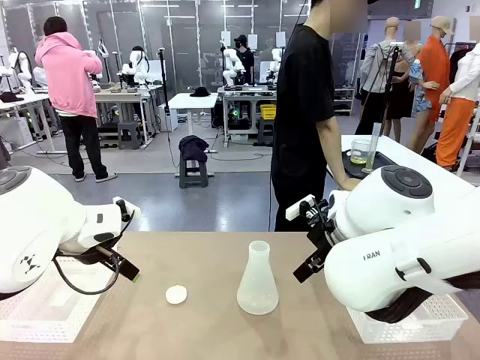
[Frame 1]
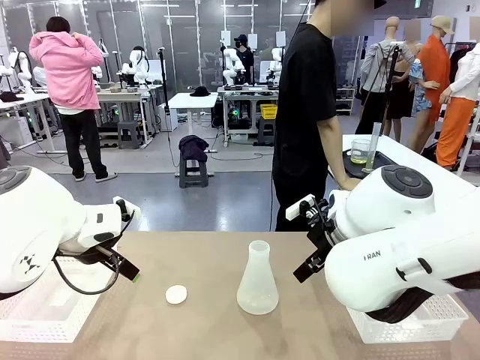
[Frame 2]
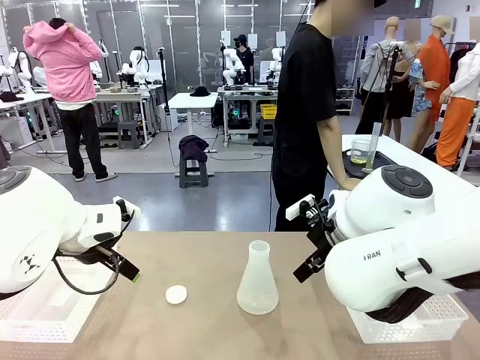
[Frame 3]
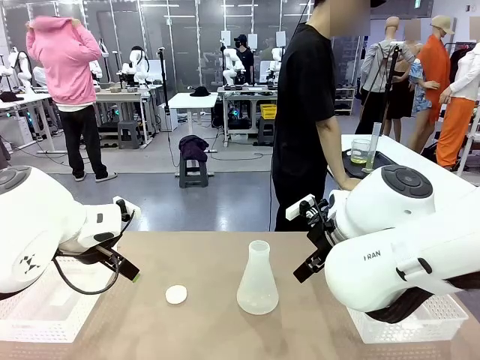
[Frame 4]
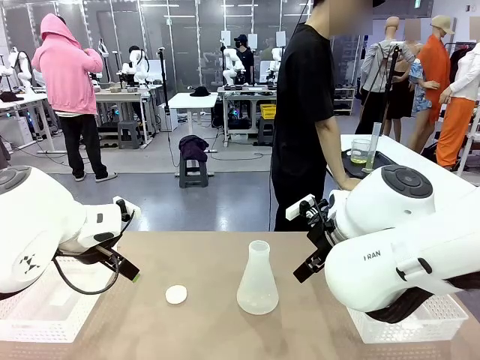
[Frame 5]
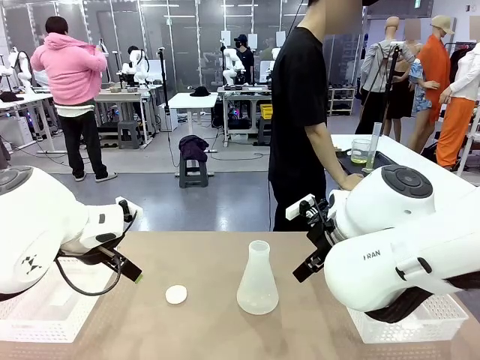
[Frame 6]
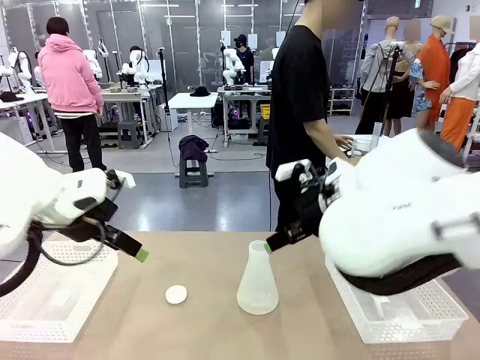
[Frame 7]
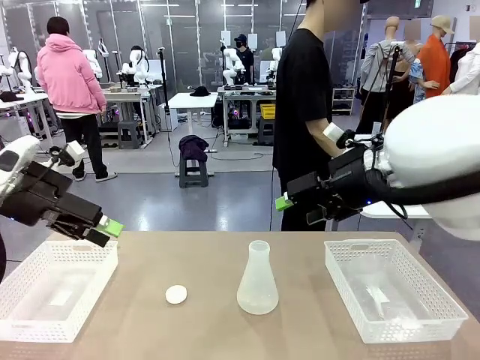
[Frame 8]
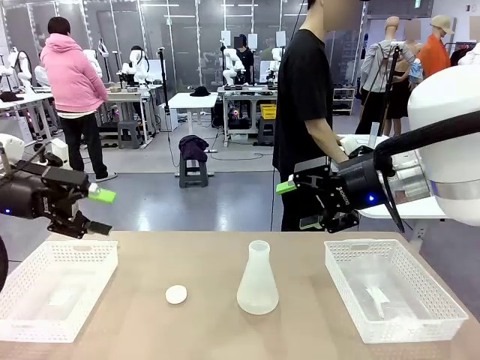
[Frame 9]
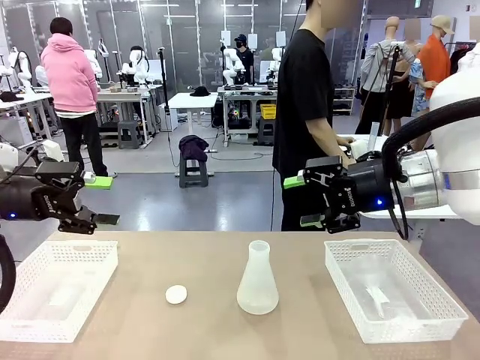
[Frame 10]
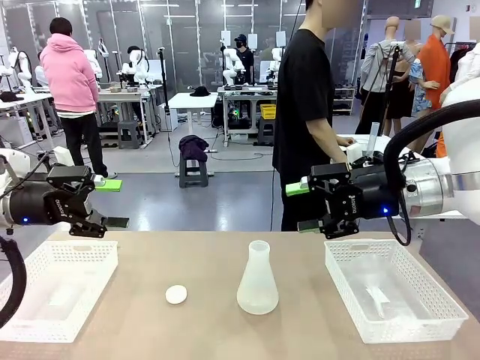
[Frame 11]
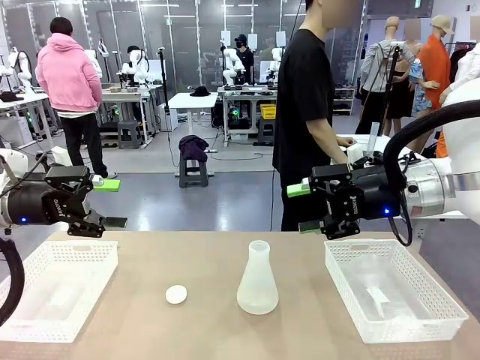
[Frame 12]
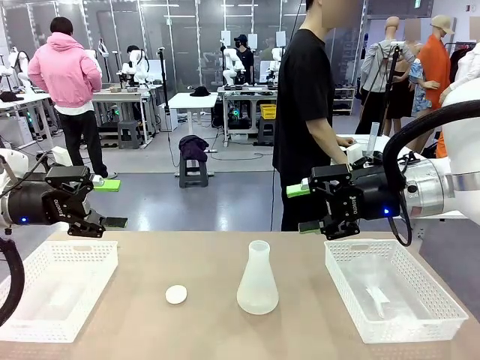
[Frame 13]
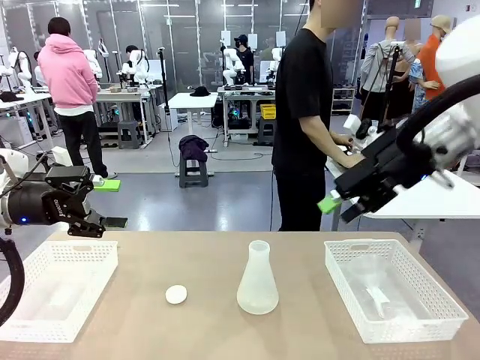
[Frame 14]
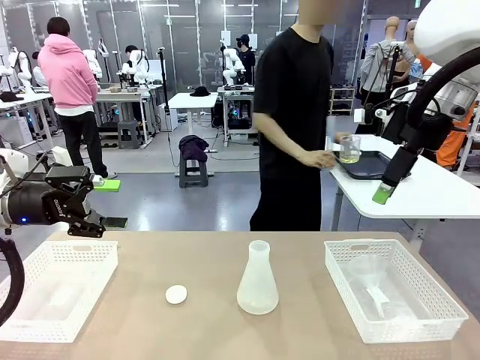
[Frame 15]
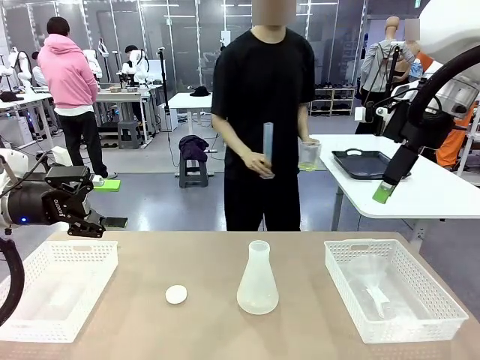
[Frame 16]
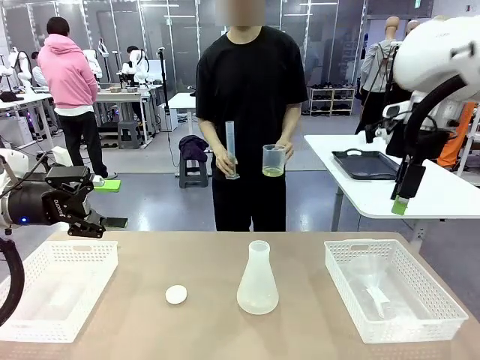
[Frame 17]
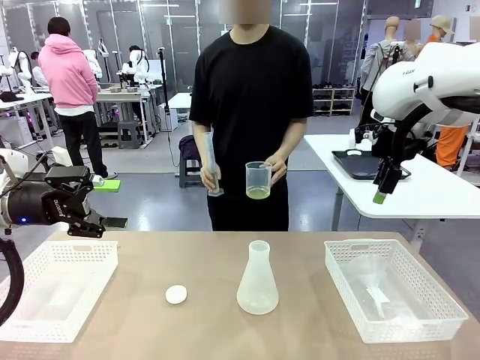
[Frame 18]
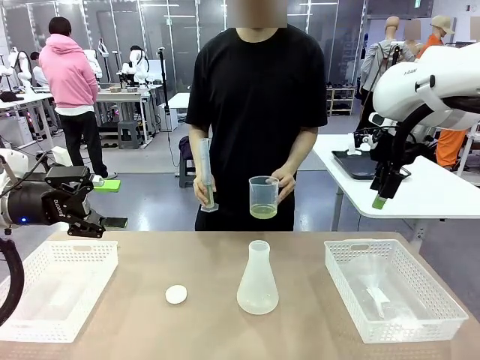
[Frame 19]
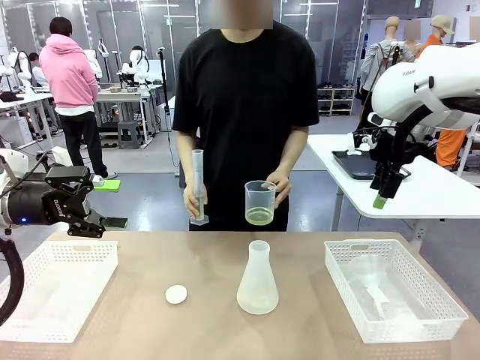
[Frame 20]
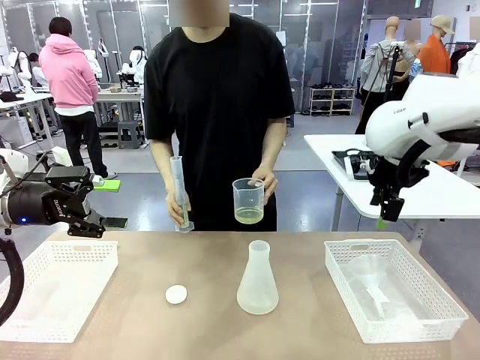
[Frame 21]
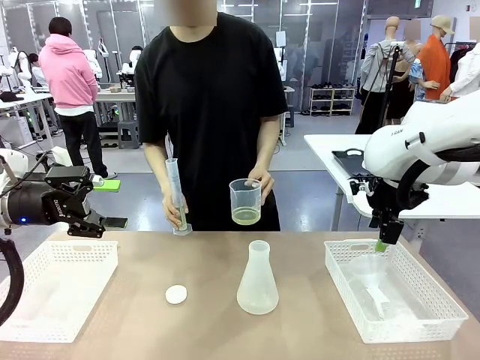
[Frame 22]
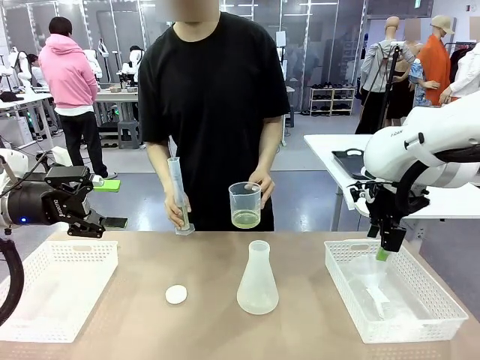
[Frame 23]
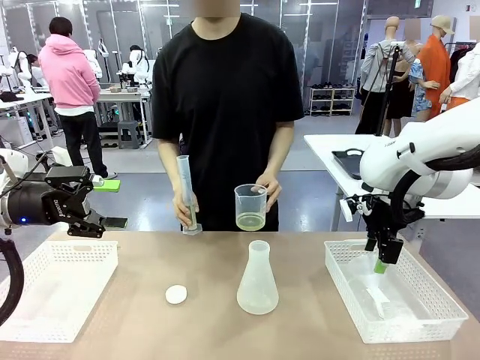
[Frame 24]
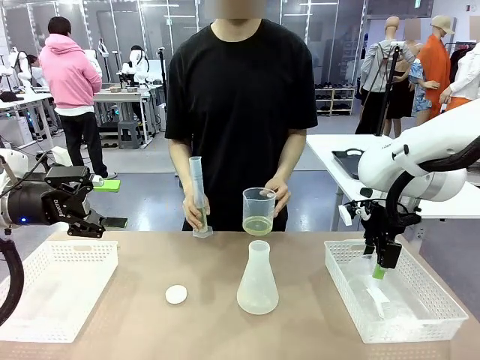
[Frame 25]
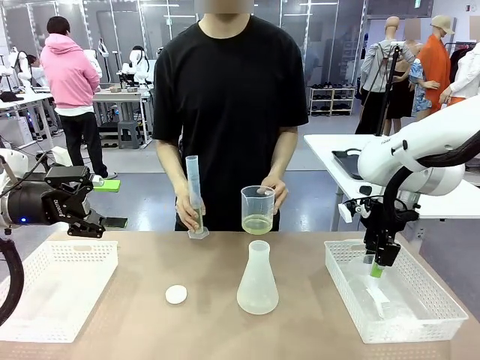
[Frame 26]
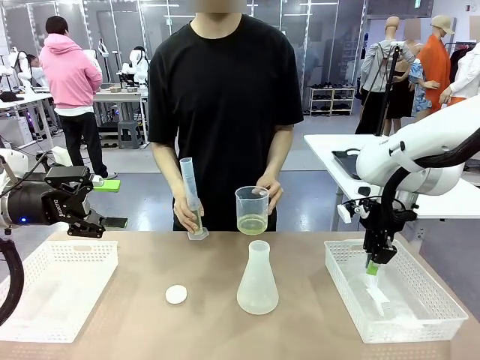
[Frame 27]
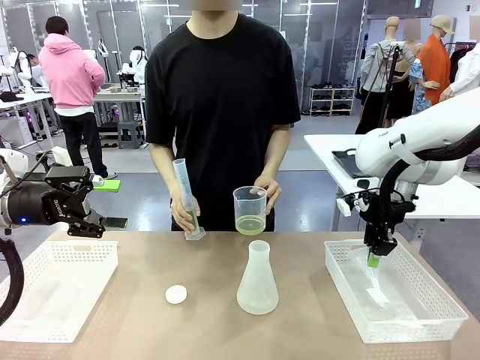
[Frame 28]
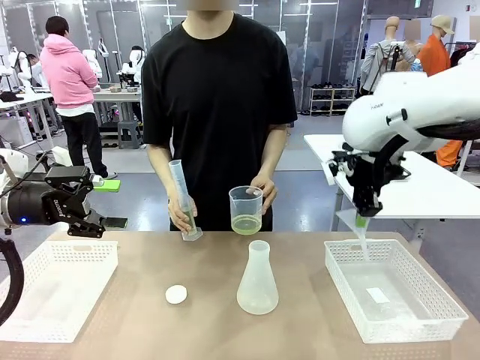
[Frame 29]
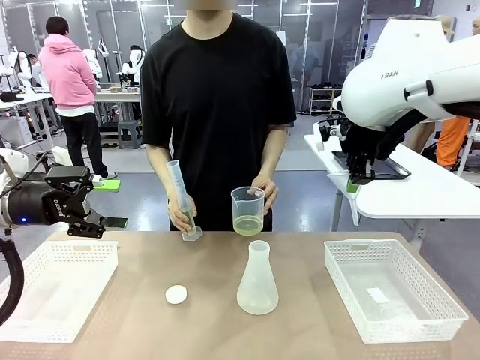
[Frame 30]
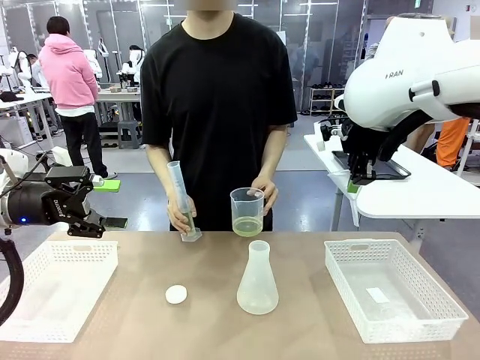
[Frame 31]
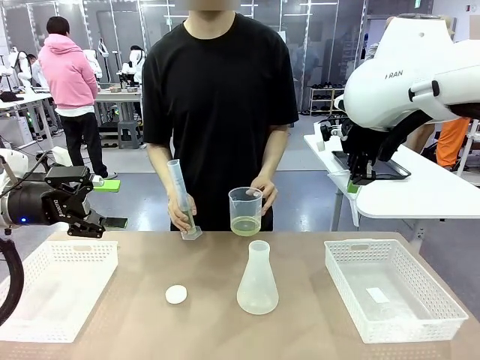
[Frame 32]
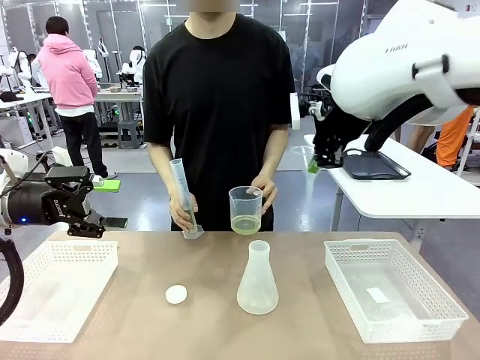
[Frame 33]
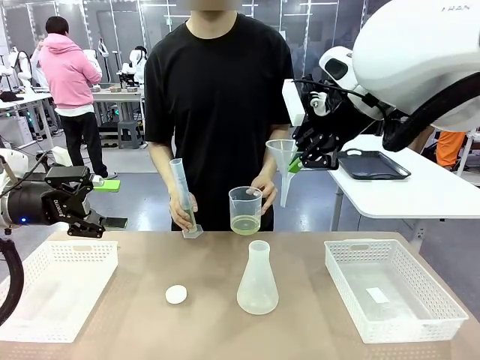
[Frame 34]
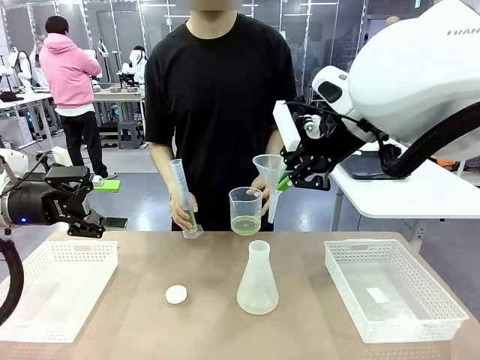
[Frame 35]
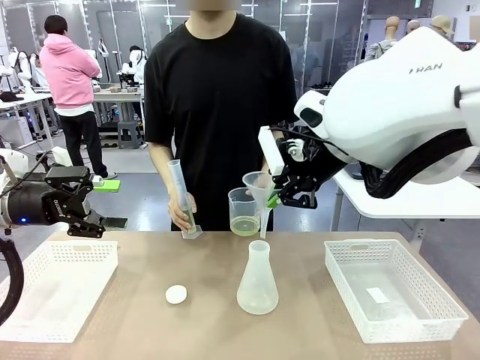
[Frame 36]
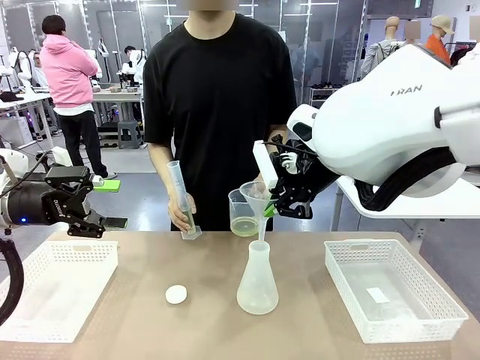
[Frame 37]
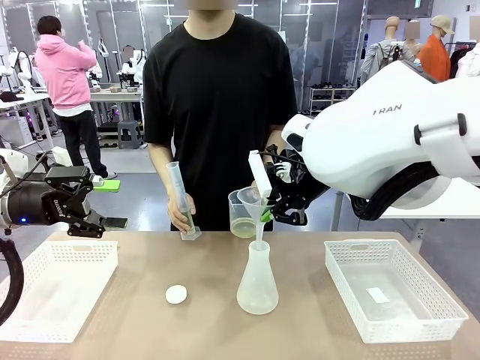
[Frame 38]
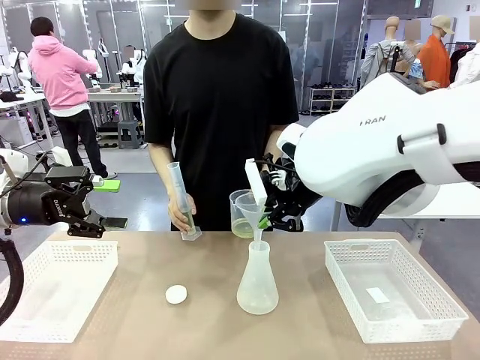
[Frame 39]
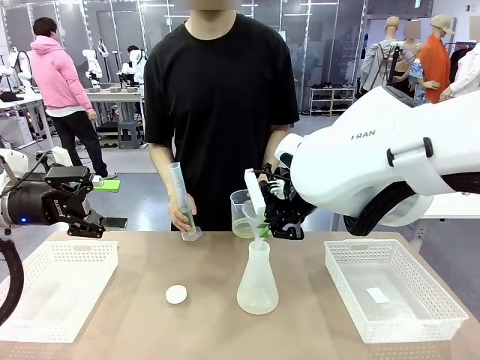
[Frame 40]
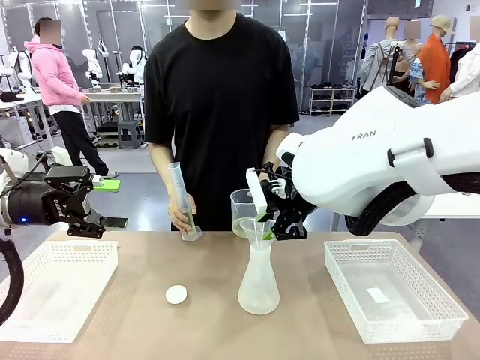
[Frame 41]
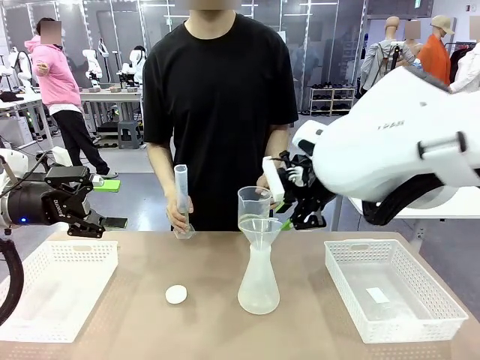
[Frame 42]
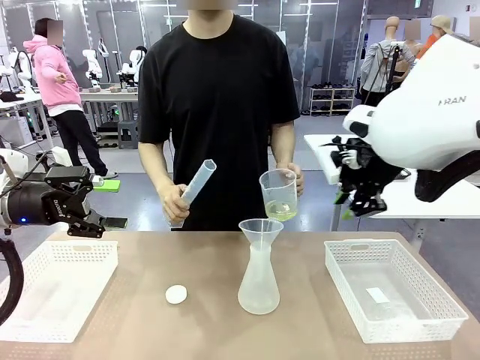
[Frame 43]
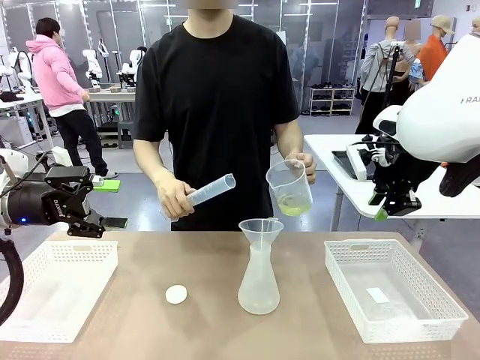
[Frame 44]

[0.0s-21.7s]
Task: Prepare the solutions needed for the experiment.
Robot: Pick up the Plastic Funnel and insert it into the Big flask.
Person: Pick up the beaker and the cylinder and move to the middle of the robot table. Pour the solution from the beaker and the cylinder into the flask.

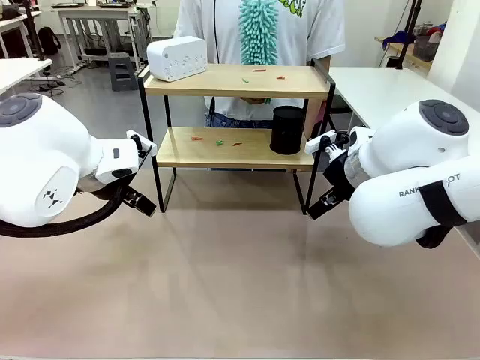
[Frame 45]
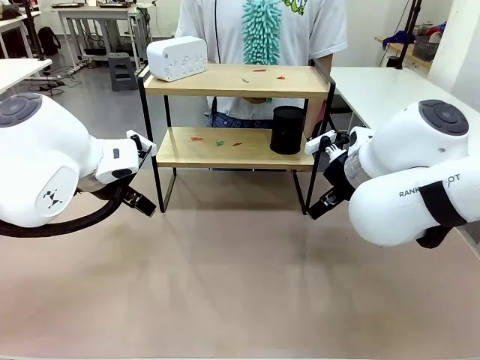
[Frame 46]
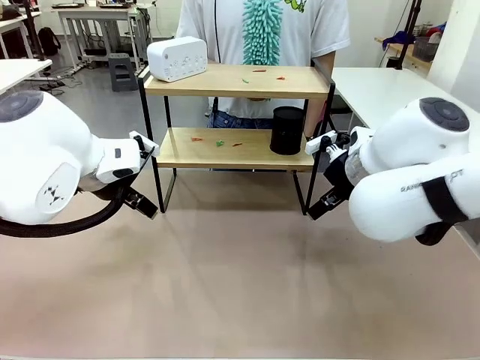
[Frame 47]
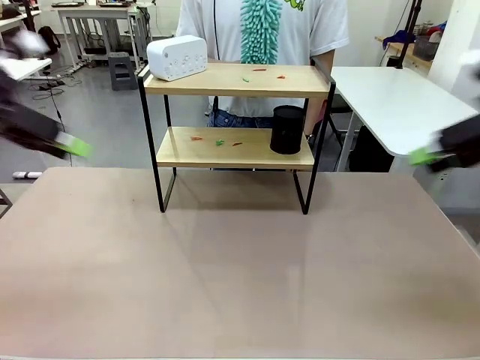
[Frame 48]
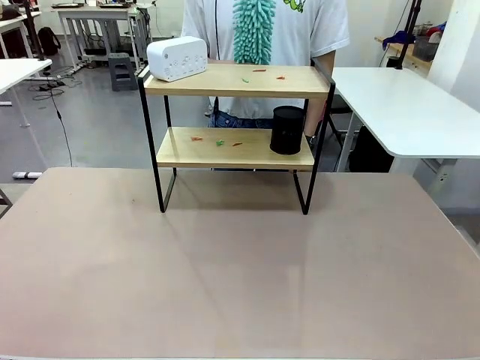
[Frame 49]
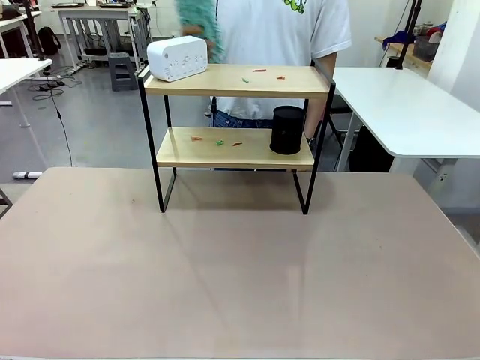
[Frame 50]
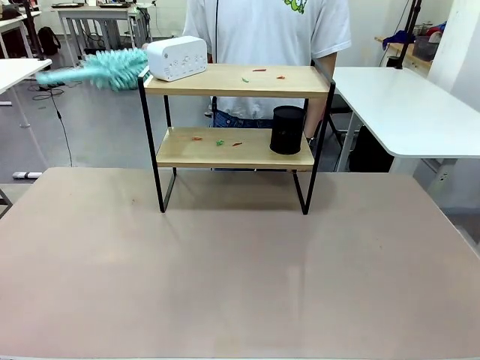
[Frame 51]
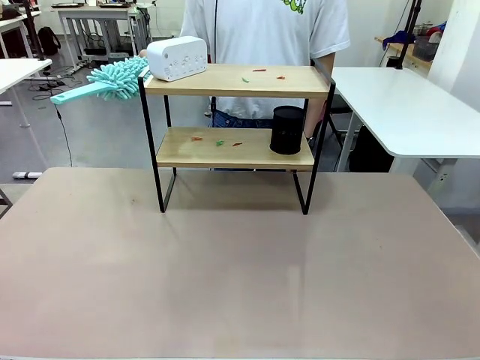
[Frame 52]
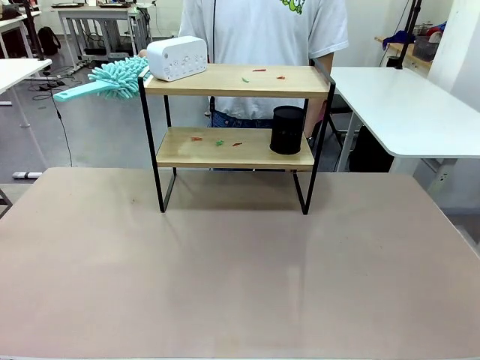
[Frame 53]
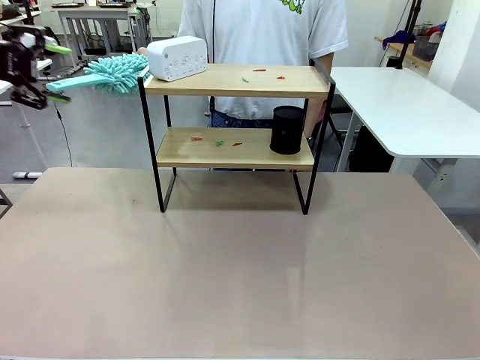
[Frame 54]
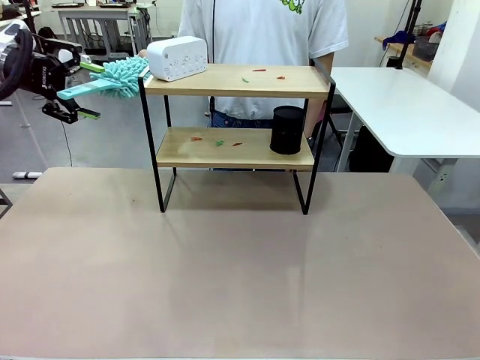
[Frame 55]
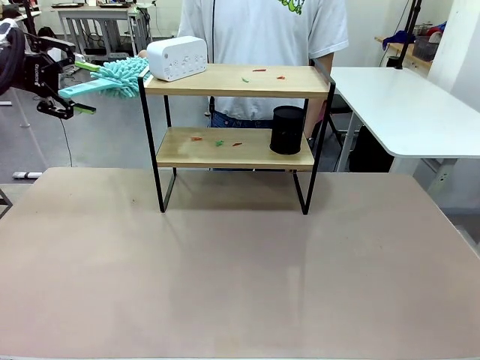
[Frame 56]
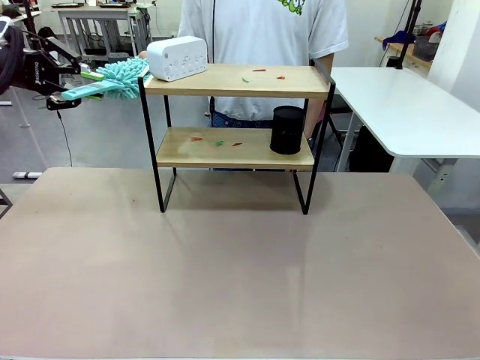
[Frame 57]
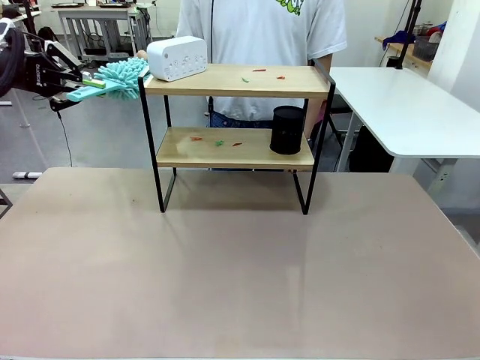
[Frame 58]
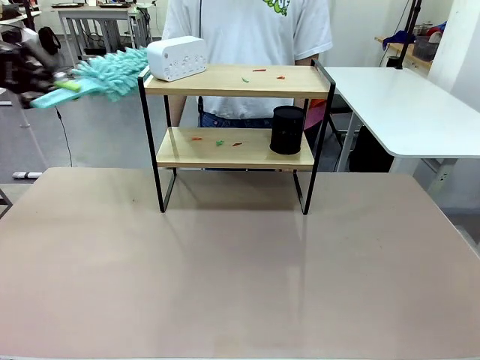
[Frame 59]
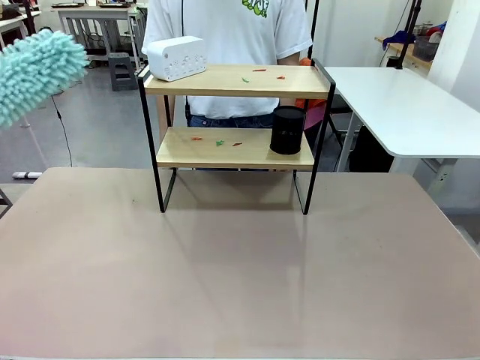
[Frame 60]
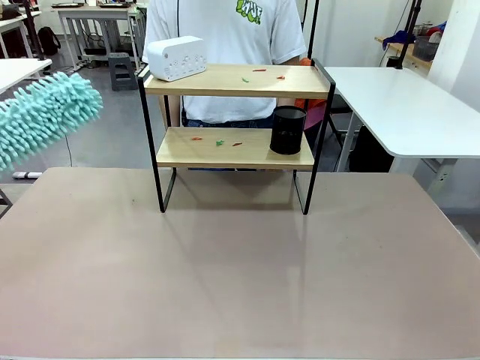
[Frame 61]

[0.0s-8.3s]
Task: Clean the shelf.
Robot: Pick up the Duster from the human.
Person: Hand the Duster to the robot.
